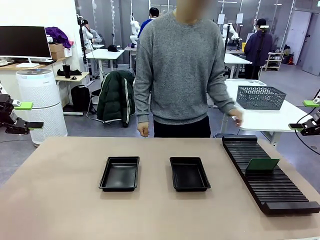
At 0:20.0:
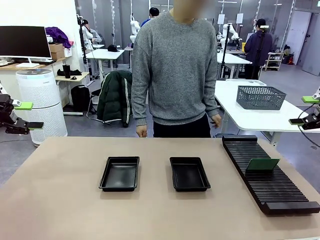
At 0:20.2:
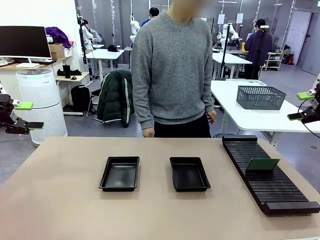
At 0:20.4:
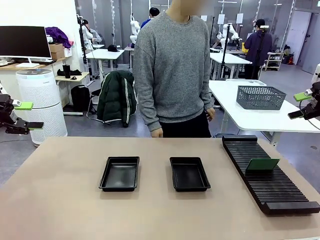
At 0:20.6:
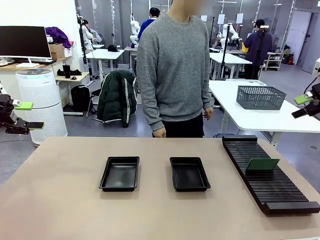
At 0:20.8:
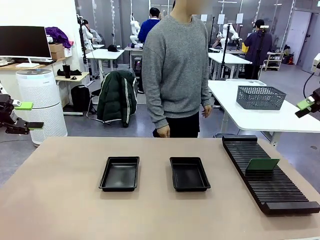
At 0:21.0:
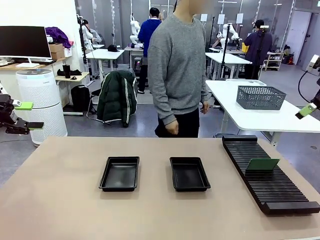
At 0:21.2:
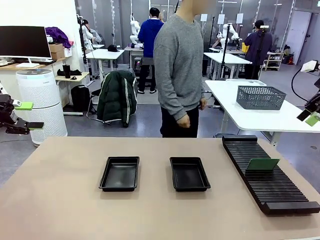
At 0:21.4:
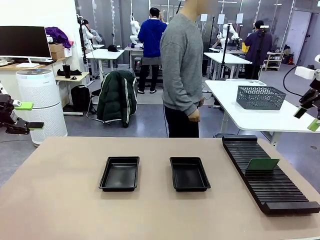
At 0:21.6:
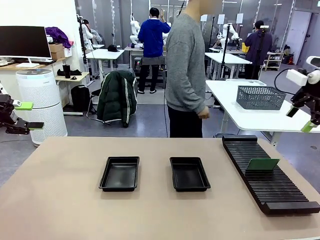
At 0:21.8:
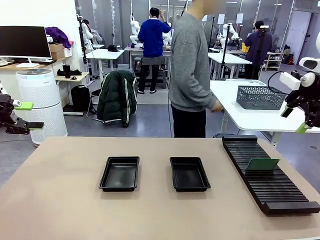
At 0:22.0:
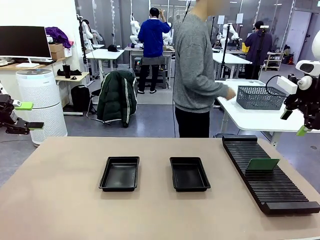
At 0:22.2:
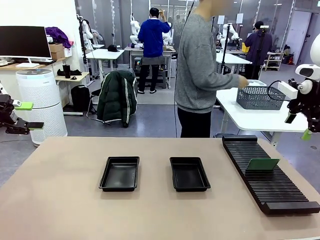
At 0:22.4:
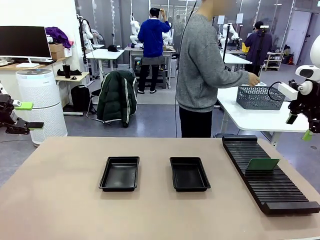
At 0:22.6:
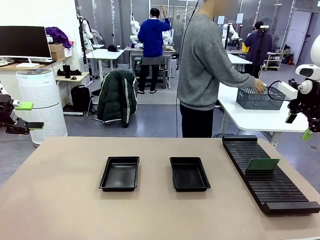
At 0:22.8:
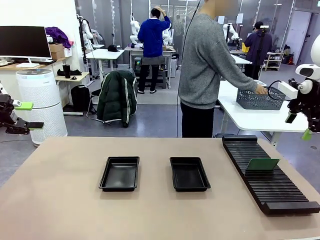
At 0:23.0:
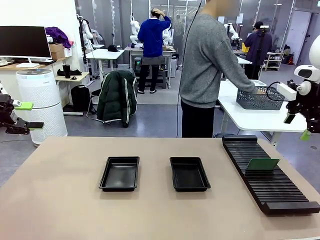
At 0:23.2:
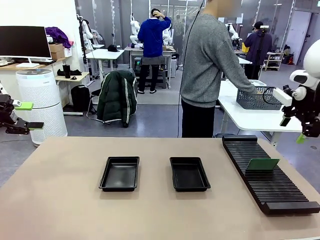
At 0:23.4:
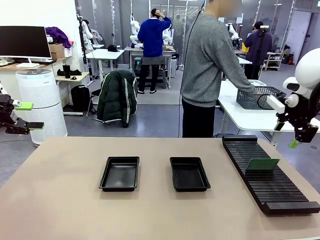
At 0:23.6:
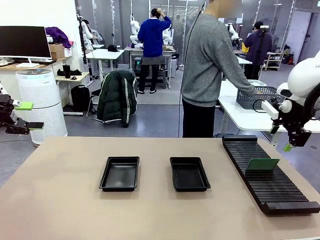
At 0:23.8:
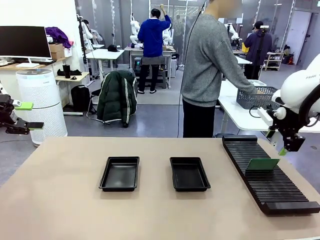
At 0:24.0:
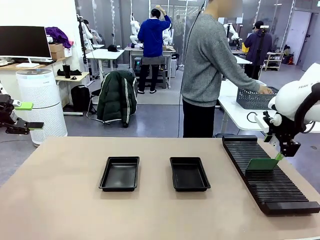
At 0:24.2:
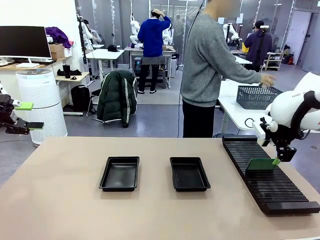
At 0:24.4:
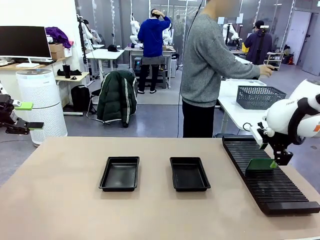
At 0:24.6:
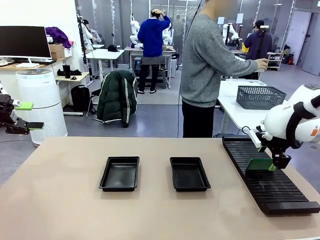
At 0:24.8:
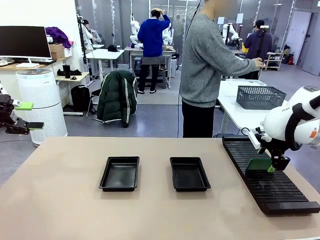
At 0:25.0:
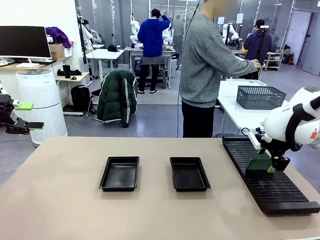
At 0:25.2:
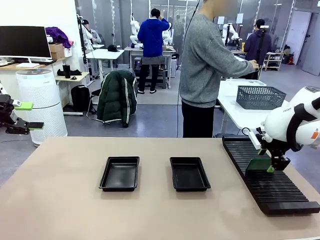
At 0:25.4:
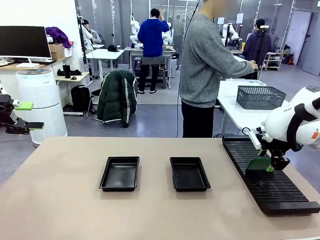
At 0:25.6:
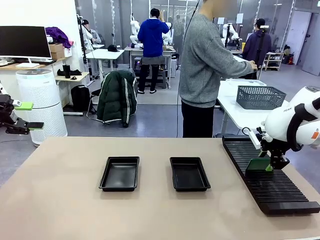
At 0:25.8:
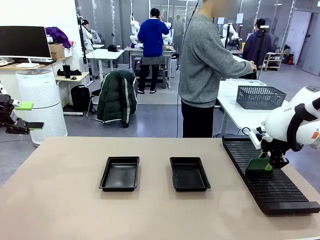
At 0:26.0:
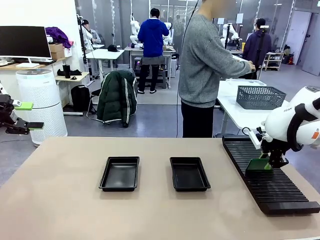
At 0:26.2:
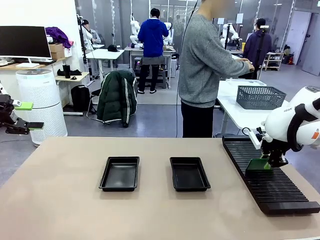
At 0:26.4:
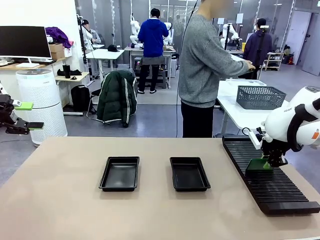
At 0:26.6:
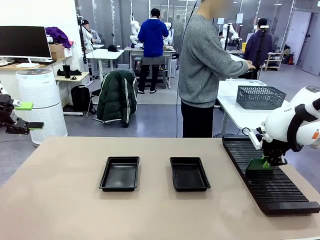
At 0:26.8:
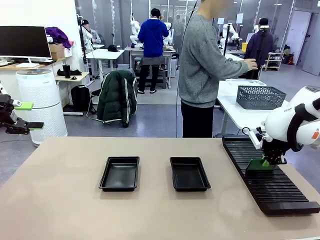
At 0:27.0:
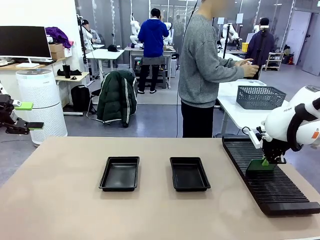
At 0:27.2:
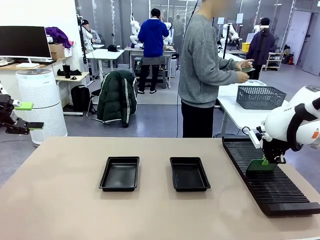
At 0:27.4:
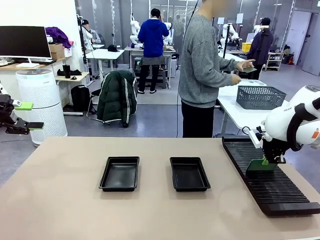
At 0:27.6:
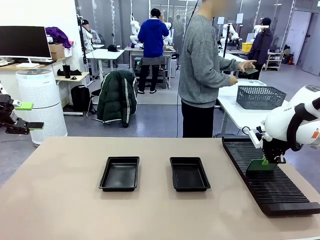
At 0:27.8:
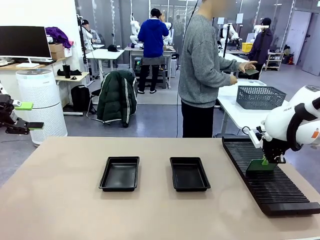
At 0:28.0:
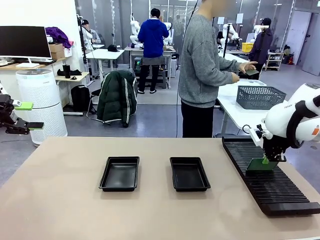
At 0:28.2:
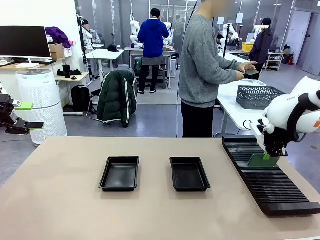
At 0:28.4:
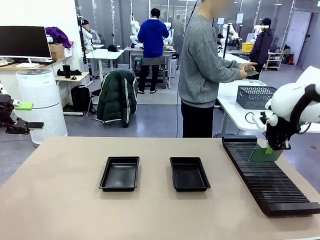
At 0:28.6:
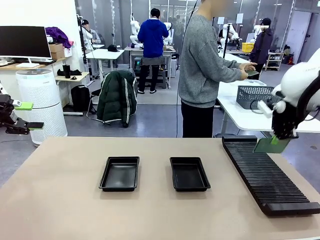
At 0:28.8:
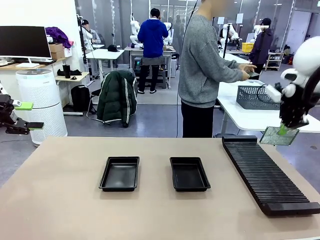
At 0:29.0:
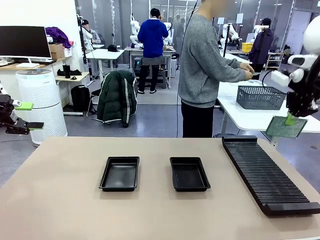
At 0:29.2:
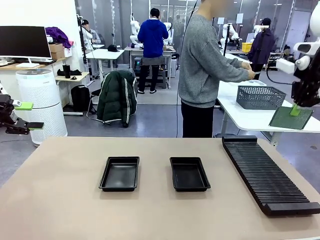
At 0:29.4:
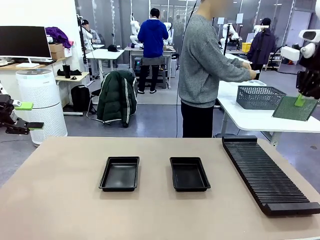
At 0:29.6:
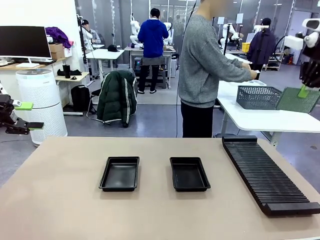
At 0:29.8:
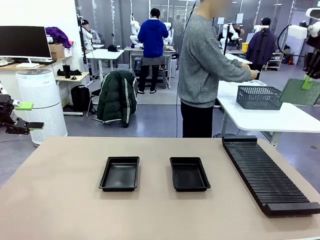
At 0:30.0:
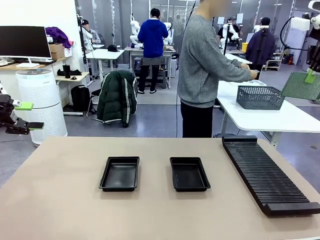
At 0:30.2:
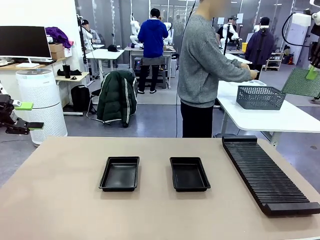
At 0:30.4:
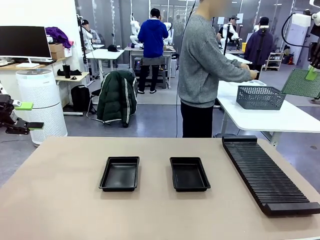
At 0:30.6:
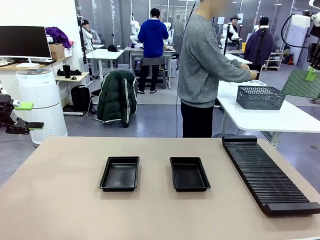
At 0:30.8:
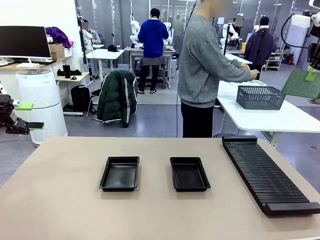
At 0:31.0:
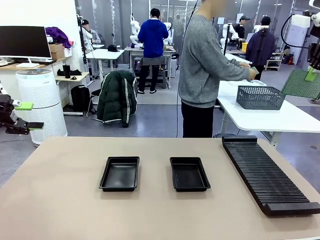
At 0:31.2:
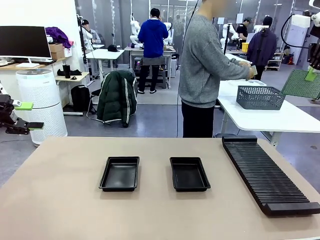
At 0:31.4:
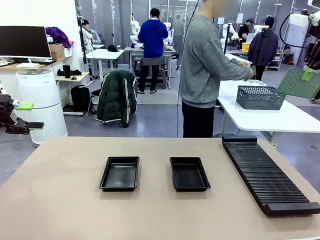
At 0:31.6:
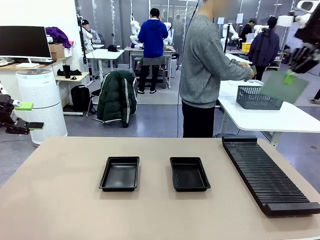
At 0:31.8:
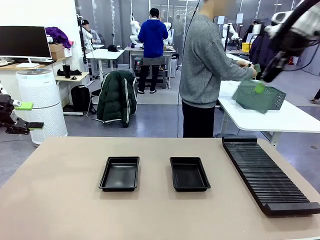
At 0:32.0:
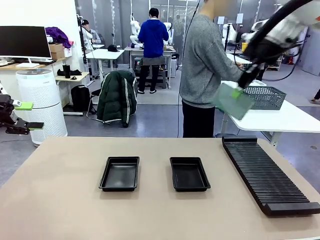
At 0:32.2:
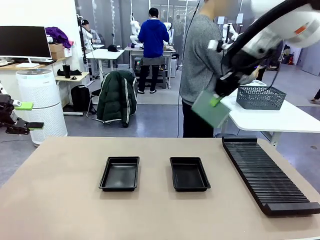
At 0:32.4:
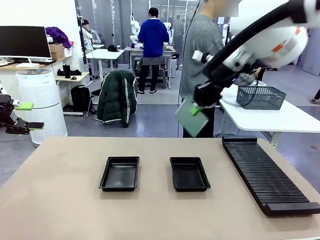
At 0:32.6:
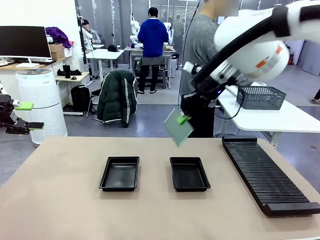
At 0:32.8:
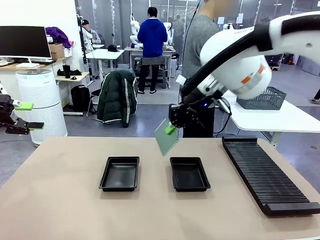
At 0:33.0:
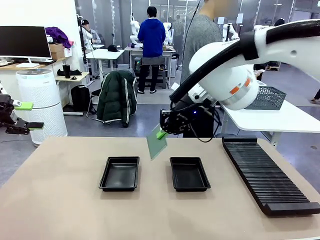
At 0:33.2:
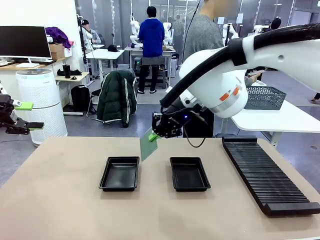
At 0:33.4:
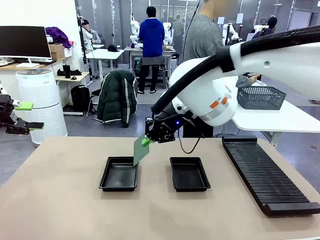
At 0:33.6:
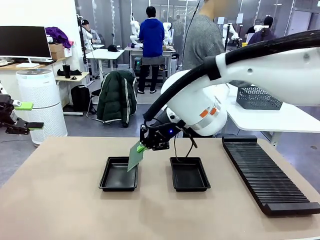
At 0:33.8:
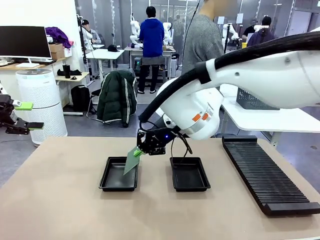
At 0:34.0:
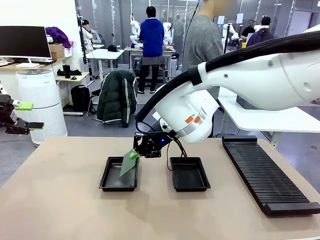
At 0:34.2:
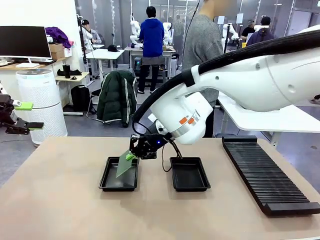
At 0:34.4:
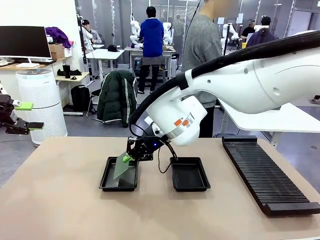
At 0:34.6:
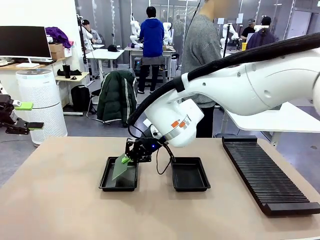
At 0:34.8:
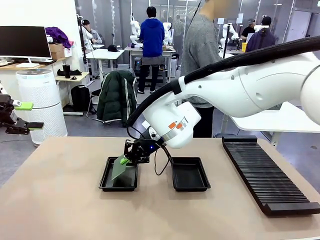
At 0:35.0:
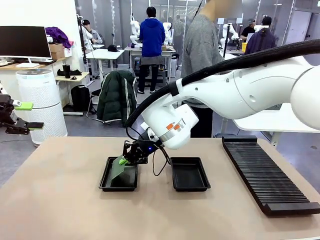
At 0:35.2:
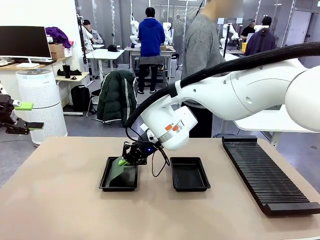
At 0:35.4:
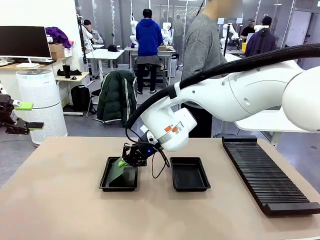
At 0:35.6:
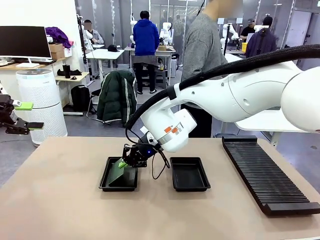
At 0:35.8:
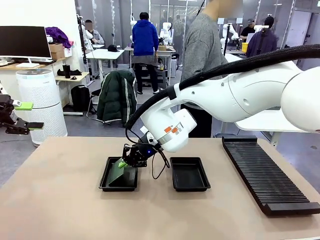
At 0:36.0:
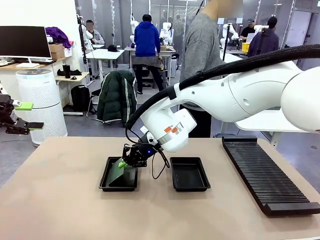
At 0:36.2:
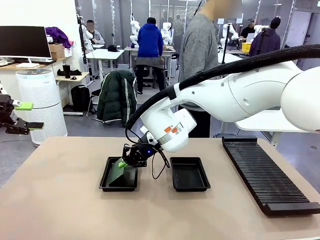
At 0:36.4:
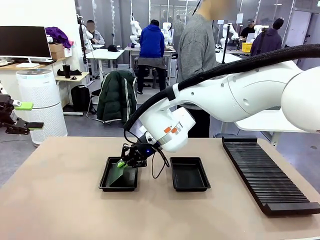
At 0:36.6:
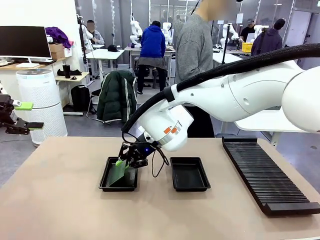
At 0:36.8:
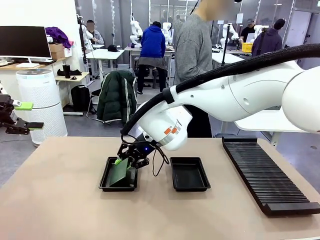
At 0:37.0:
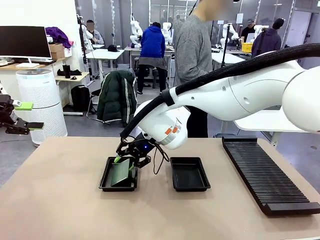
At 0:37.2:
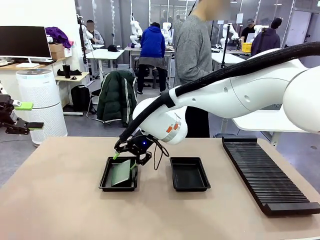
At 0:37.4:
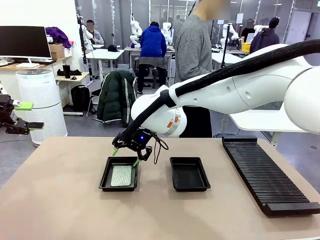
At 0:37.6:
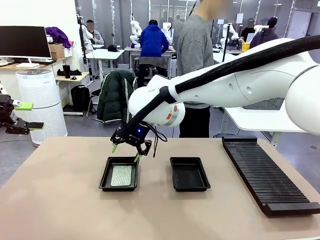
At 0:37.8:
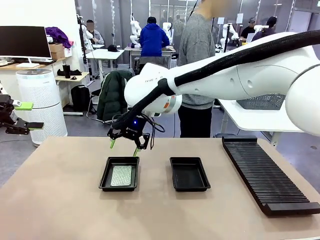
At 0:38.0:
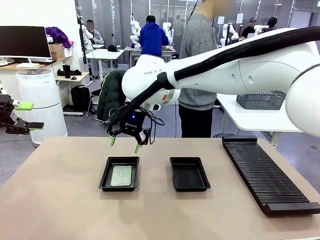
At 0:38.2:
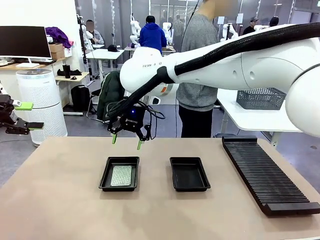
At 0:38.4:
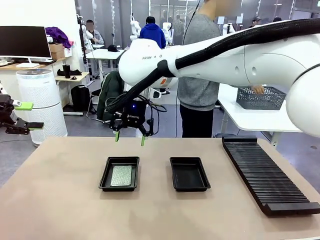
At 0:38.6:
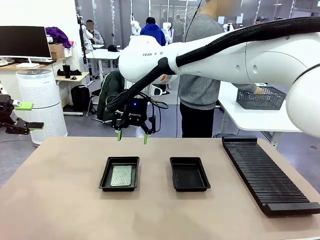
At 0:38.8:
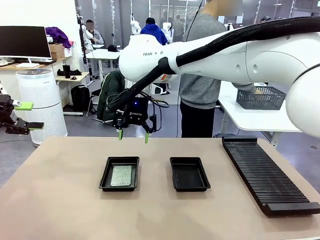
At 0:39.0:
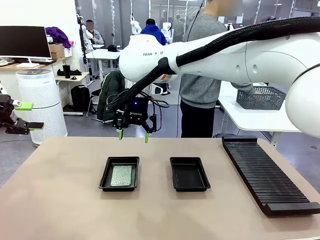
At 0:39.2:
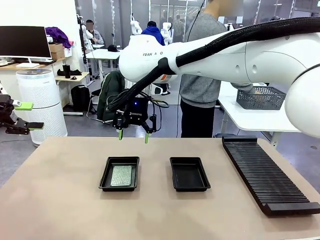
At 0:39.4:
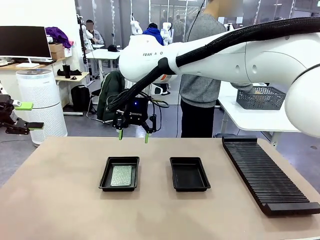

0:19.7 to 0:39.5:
Task: Inspect and transfer BCBs to ESD trays.
Robot: Pick up the Blank PCB from the PCB Rack and place it in the left ESD tray.
